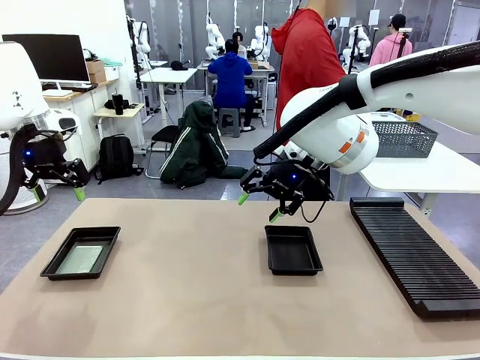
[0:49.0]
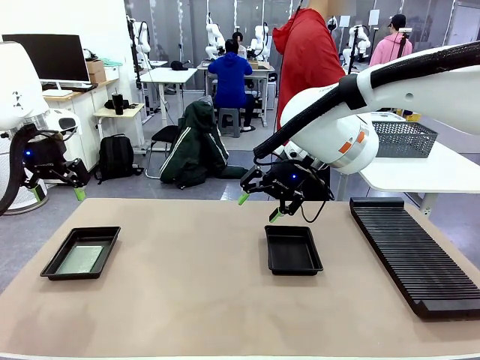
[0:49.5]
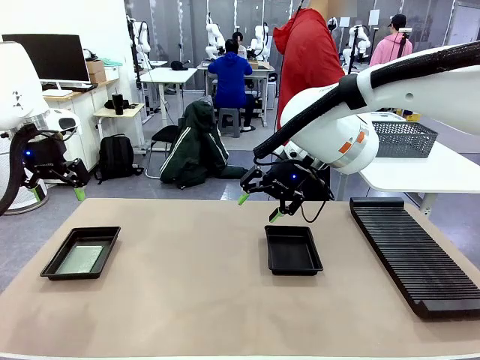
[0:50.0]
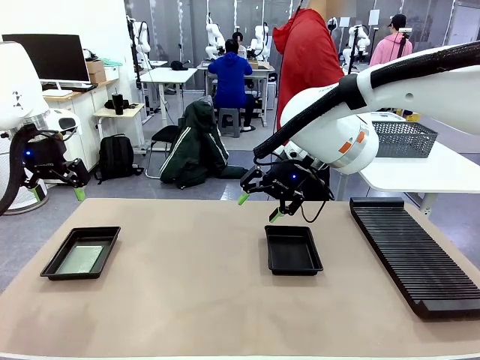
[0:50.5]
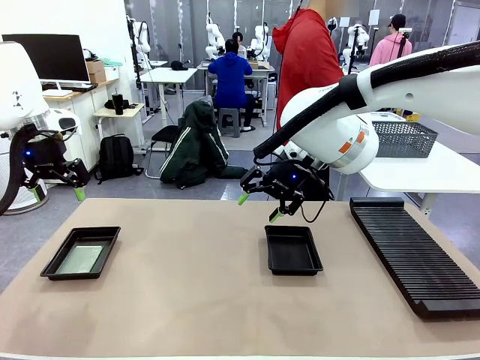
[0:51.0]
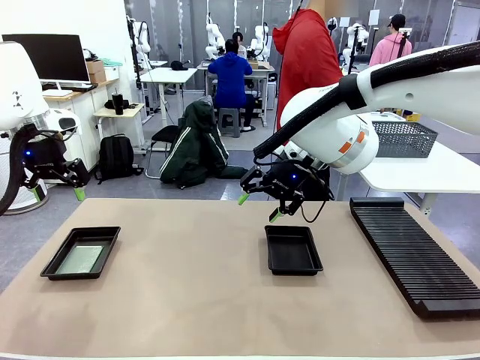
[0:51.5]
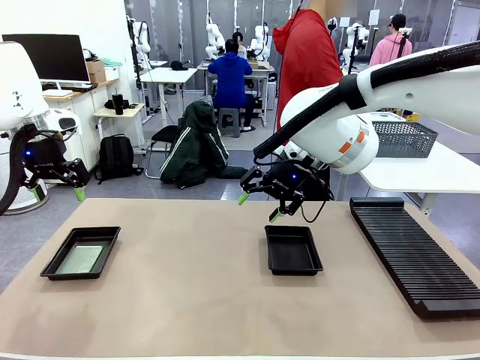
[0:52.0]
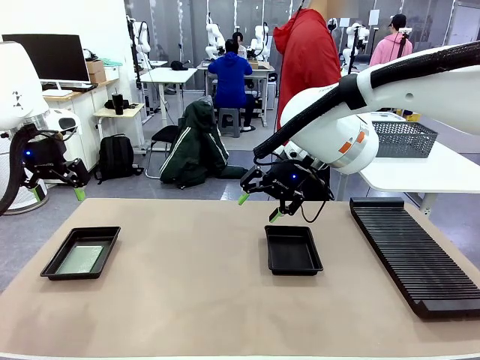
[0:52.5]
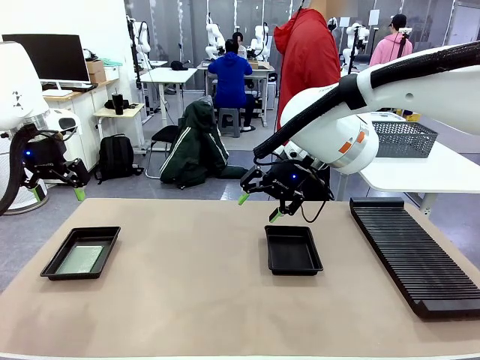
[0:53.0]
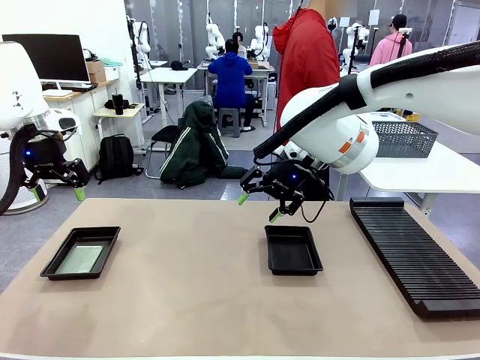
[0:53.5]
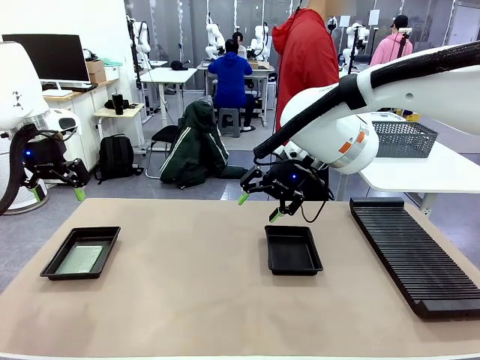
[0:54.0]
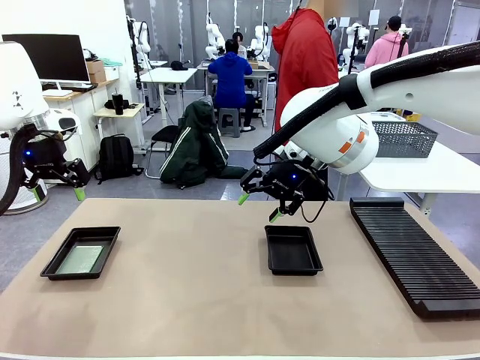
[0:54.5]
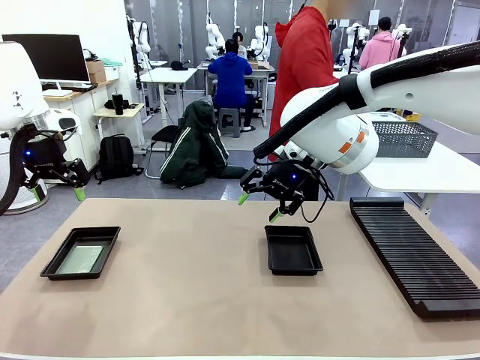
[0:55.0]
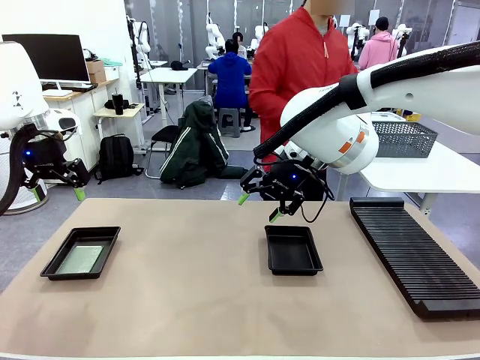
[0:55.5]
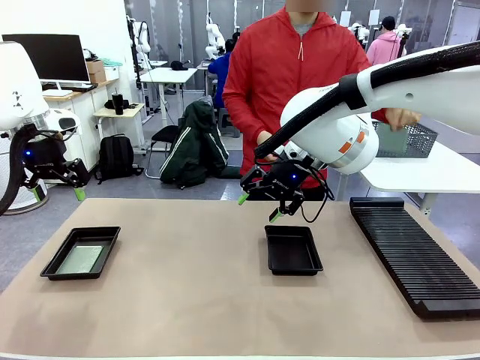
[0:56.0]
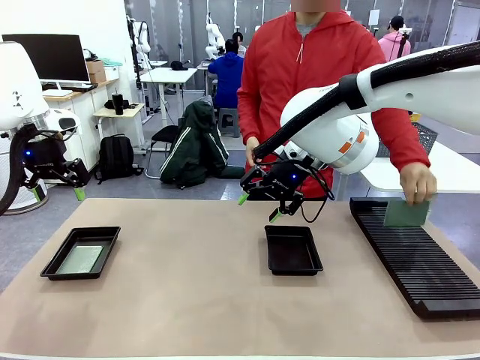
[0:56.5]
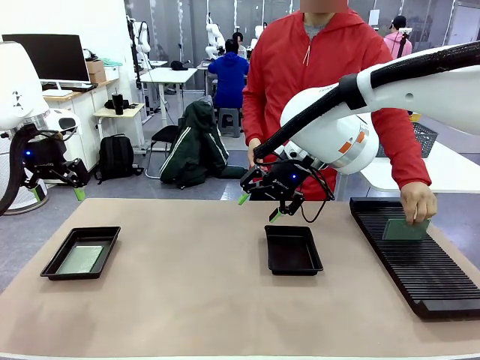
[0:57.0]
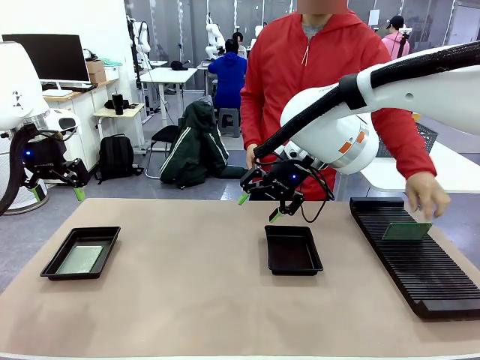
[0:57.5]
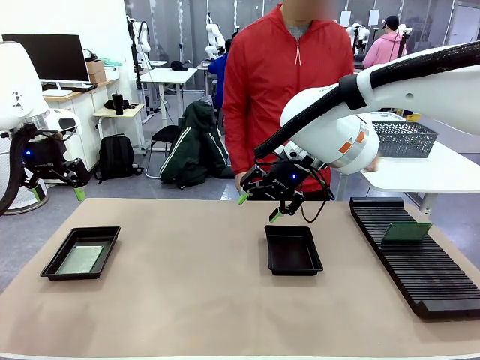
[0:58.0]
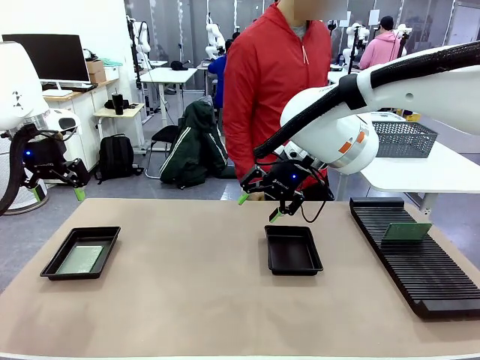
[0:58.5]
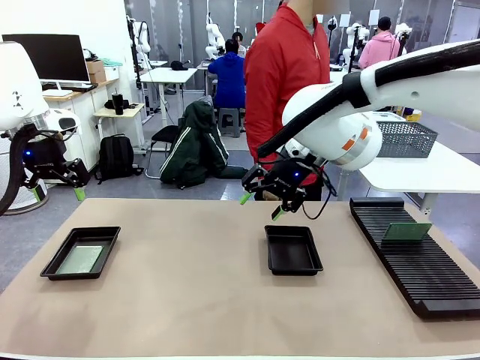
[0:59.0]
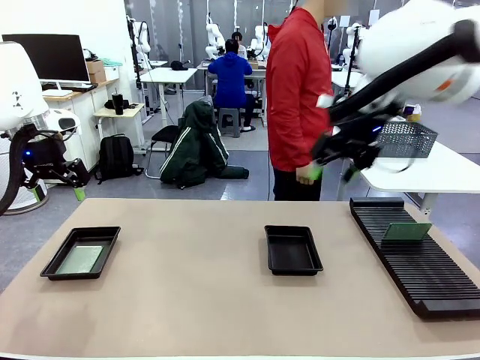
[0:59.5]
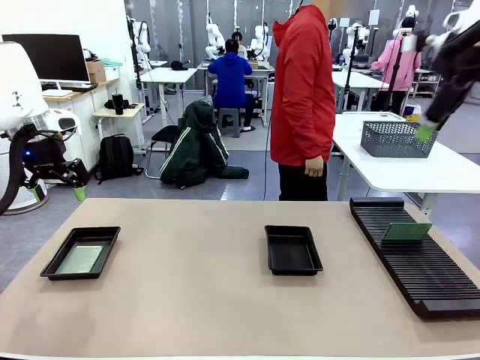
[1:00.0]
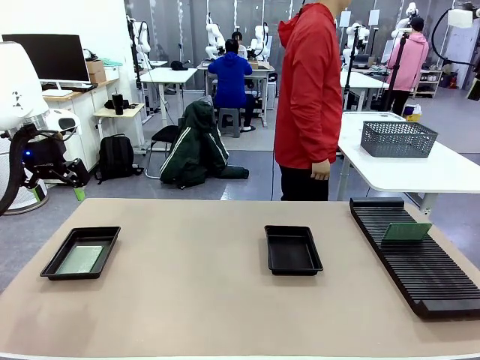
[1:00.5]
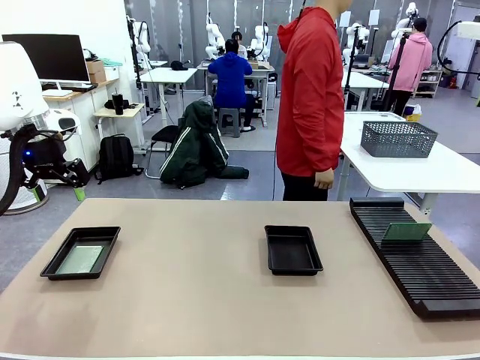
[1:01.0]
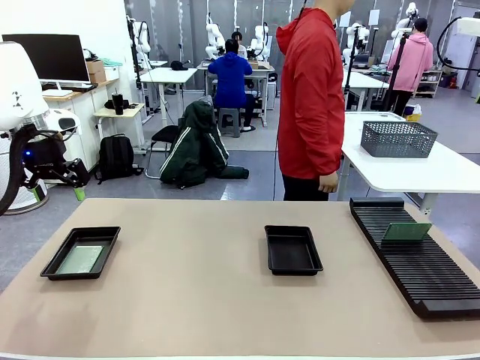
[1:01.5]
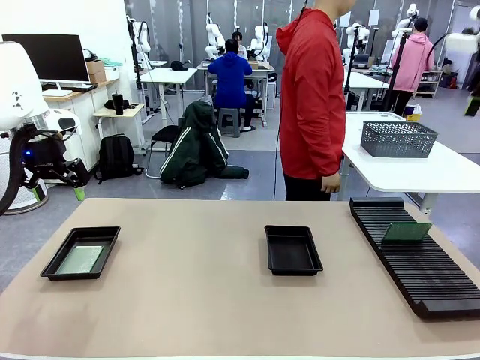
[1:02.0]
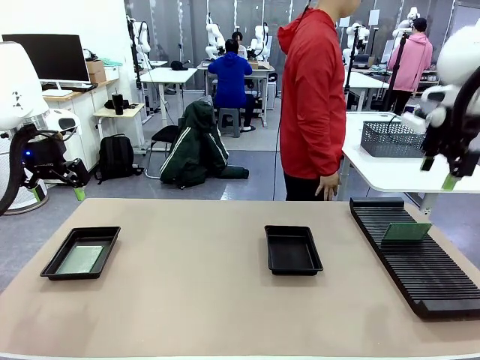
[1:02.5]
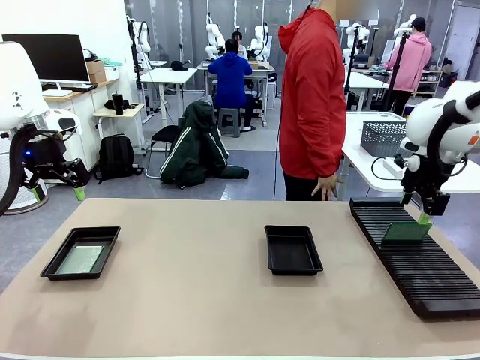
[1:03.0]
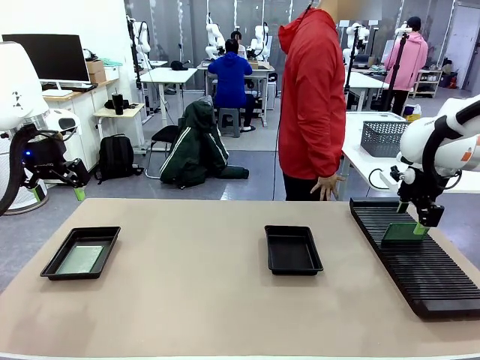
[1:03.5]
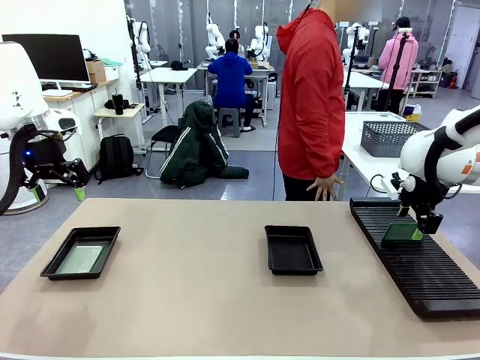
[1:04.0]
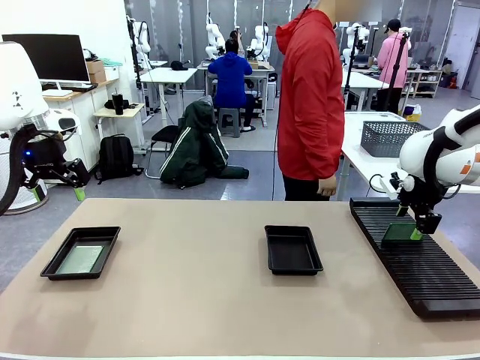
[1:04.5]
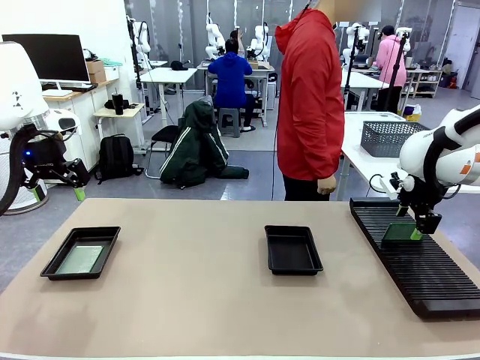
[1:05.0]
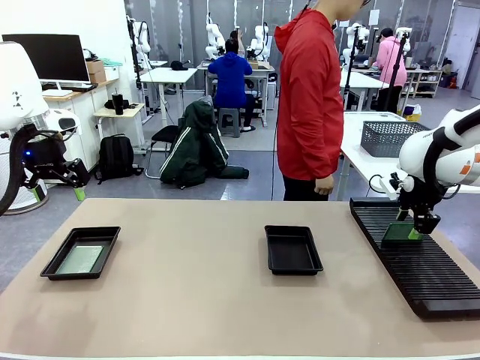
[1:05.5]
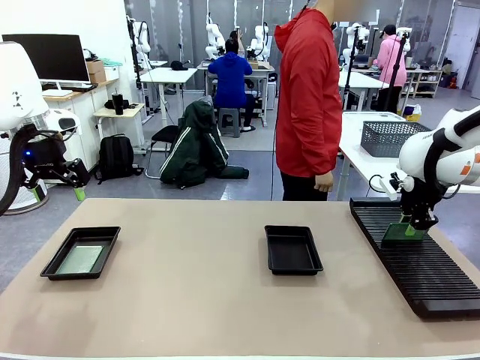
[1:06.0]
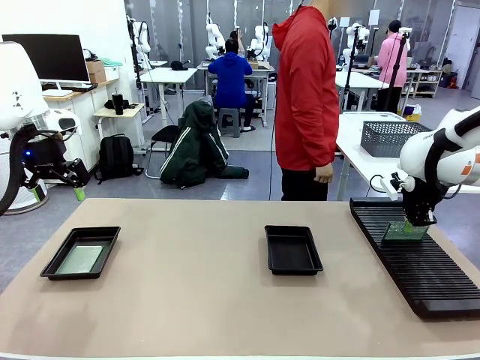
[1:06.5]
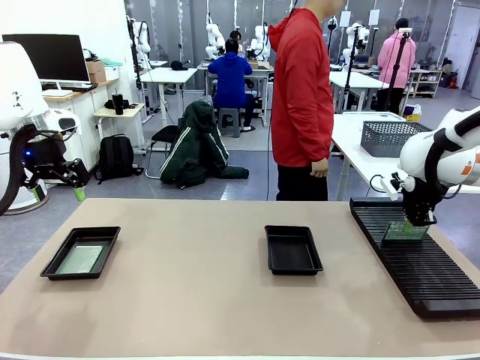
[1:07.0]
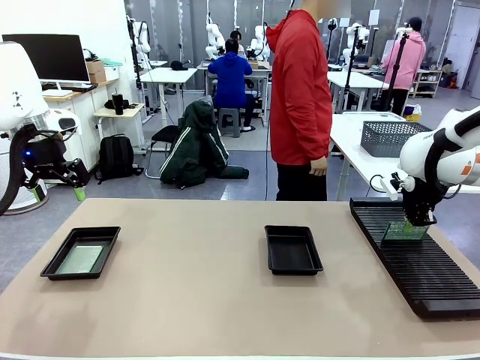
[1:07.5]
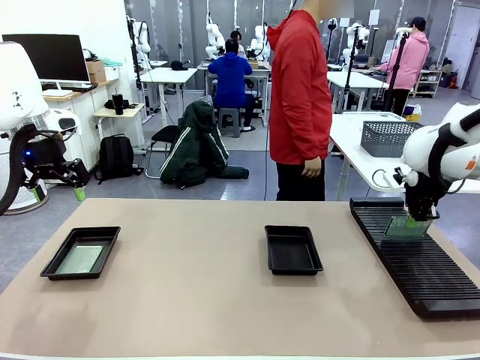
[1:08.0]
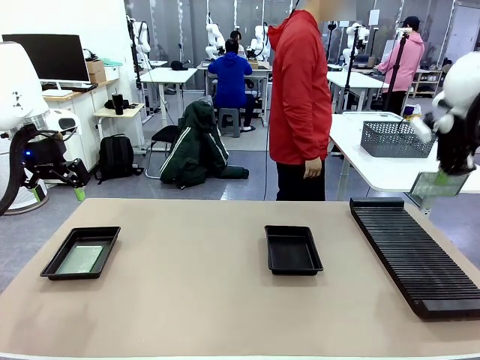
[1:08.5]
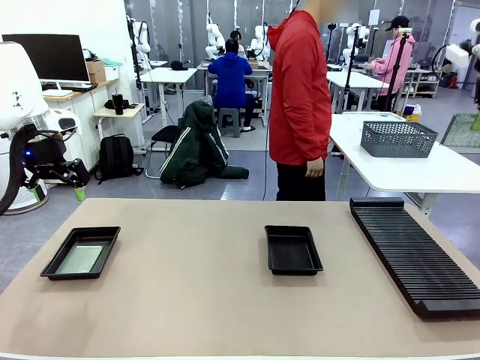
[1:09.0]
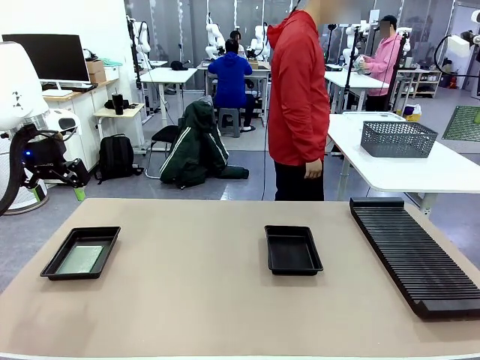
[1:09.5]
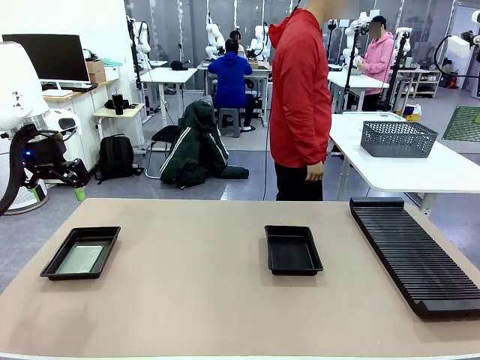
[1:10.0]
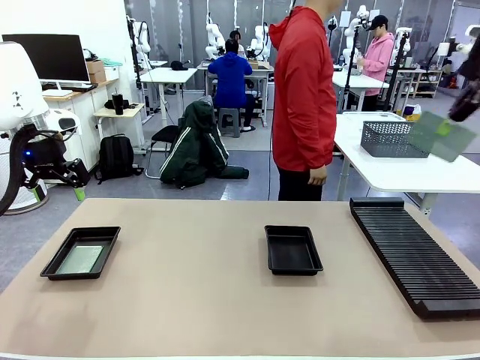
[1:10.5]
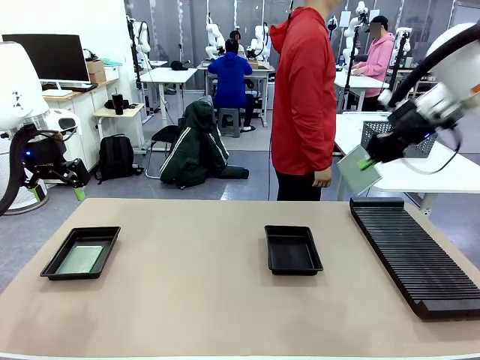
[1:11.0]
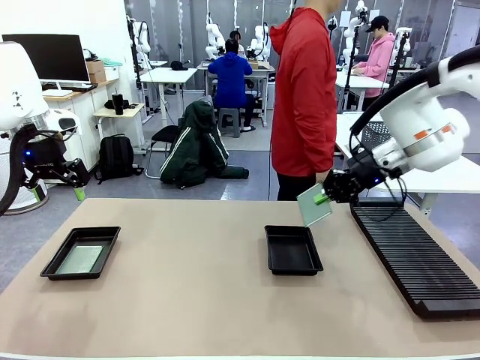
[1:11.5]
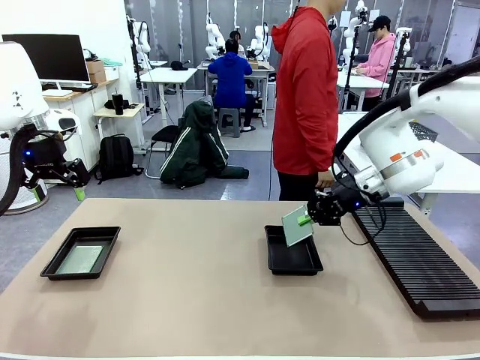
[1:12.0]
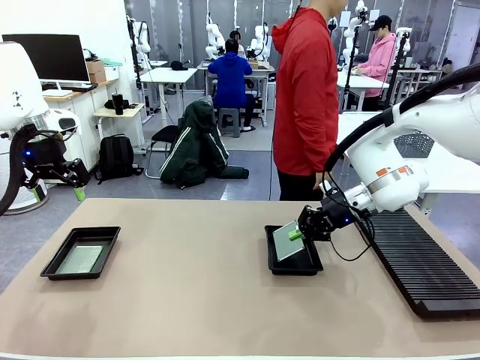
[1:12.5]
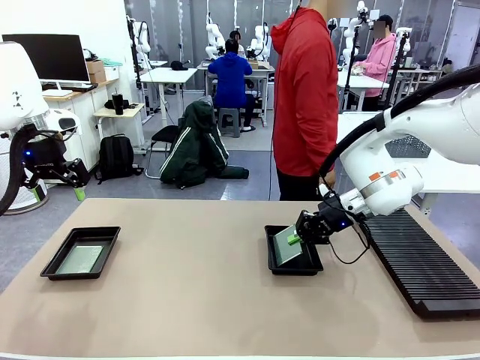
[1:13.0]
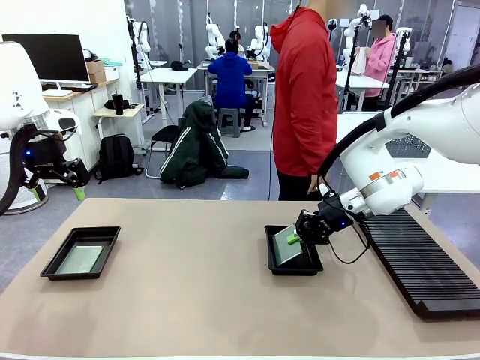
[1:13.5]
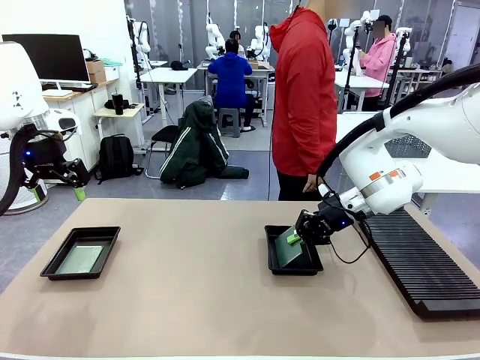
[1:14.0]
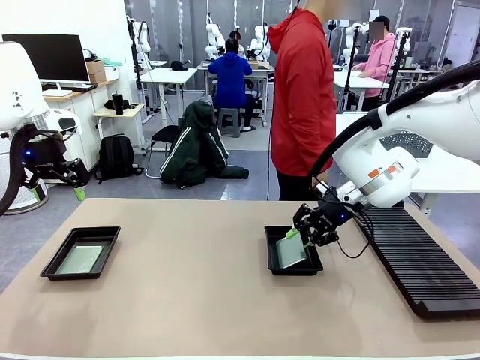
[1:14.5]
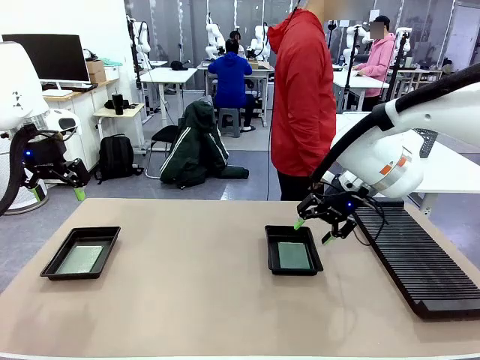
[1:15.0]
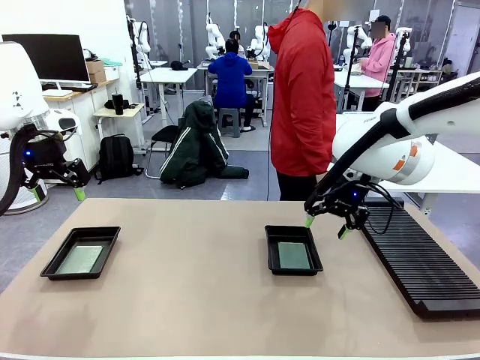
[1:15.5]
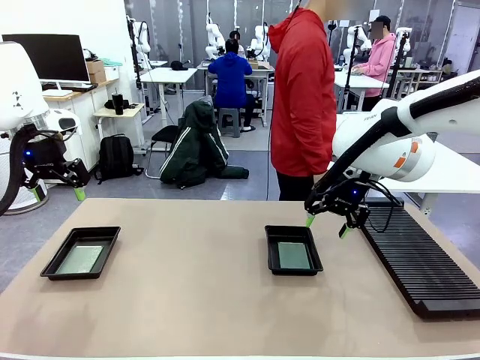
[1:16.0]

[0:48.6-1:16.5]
Task: Inspect and transfer BCBs to ESD trays.
Robot: Pick up the Blank PCB from the PCB Rack and place it in the right ESD tray.
